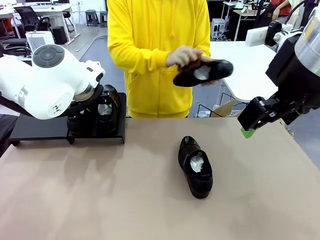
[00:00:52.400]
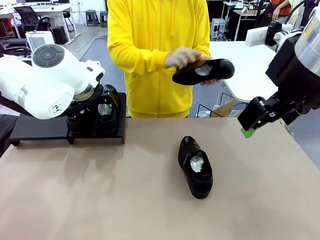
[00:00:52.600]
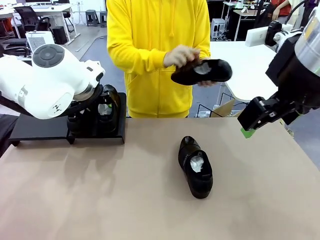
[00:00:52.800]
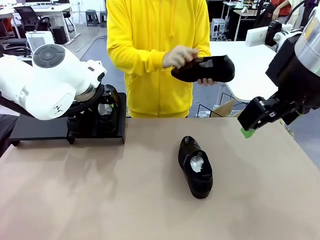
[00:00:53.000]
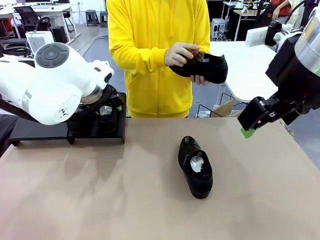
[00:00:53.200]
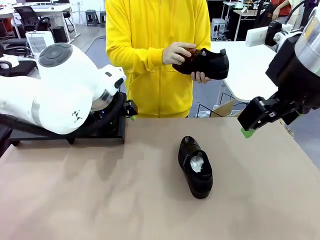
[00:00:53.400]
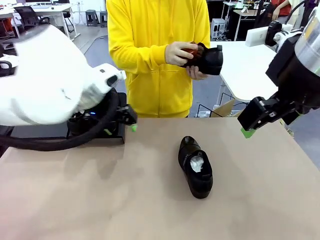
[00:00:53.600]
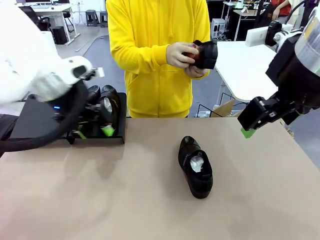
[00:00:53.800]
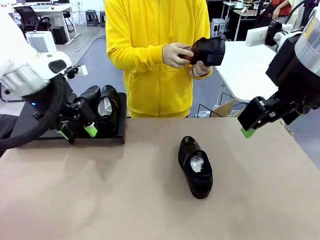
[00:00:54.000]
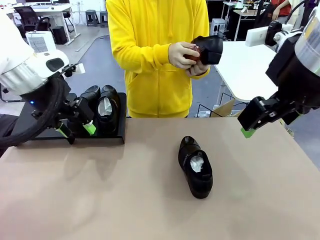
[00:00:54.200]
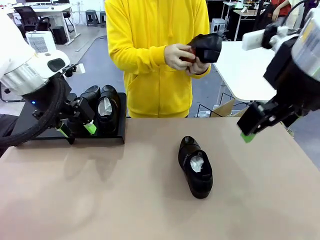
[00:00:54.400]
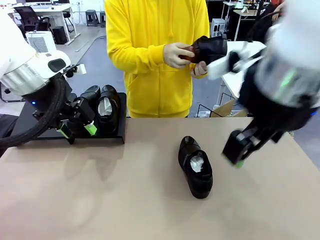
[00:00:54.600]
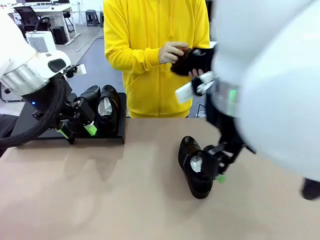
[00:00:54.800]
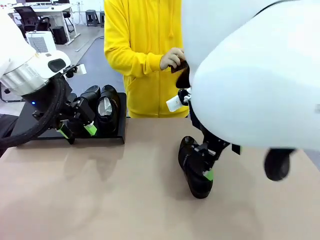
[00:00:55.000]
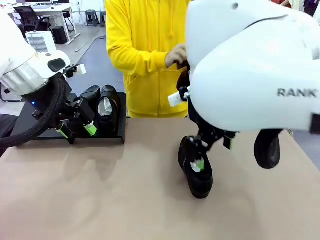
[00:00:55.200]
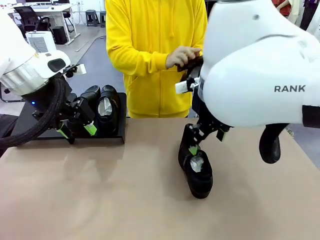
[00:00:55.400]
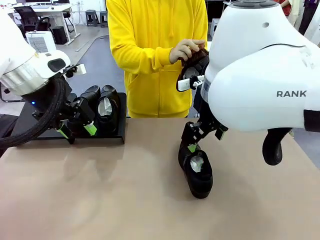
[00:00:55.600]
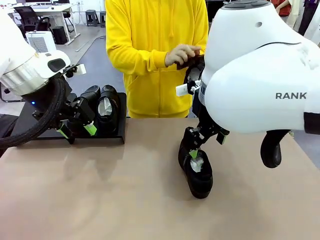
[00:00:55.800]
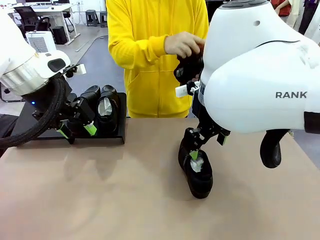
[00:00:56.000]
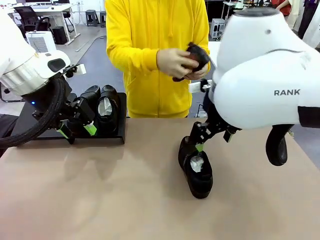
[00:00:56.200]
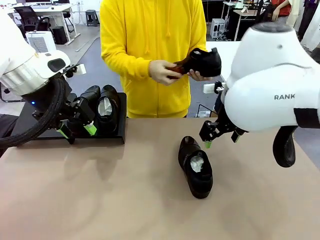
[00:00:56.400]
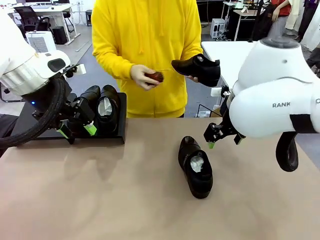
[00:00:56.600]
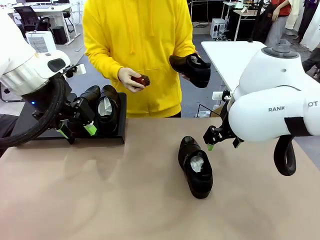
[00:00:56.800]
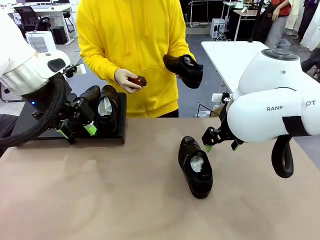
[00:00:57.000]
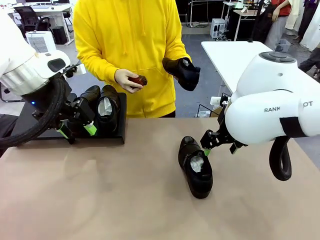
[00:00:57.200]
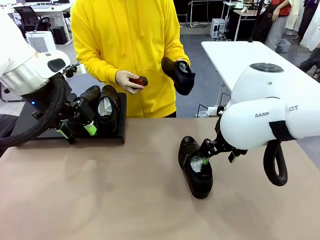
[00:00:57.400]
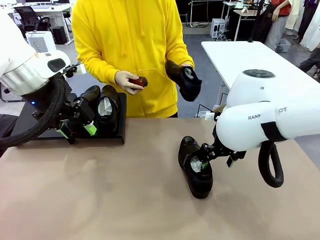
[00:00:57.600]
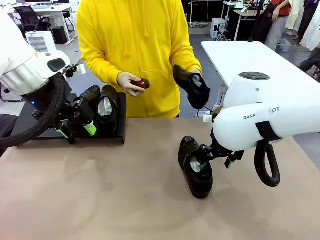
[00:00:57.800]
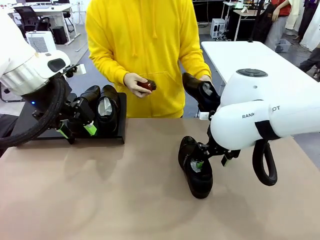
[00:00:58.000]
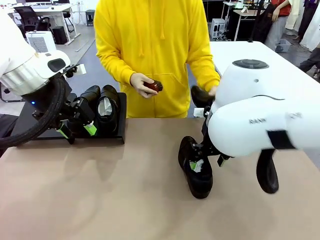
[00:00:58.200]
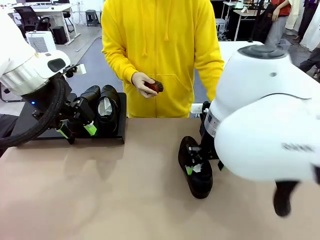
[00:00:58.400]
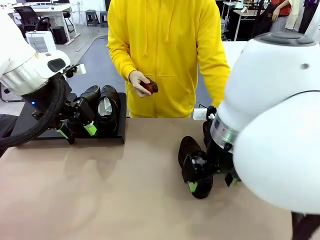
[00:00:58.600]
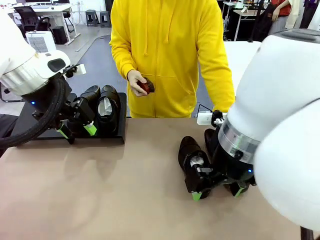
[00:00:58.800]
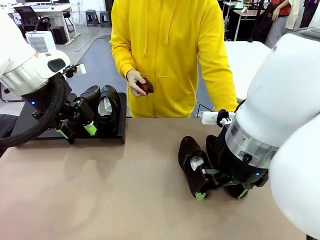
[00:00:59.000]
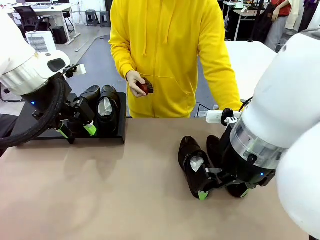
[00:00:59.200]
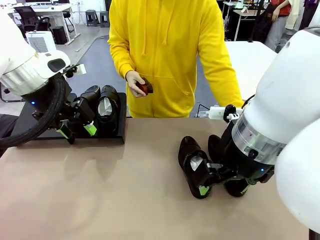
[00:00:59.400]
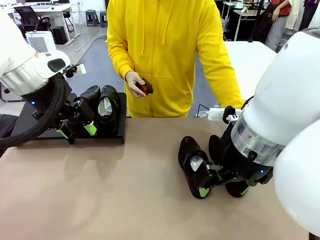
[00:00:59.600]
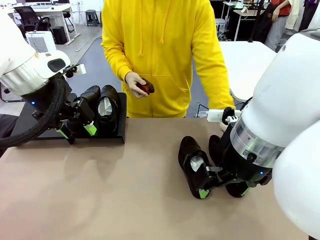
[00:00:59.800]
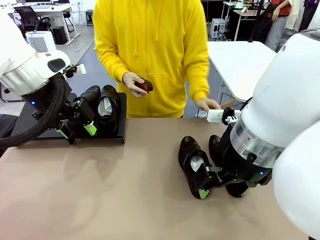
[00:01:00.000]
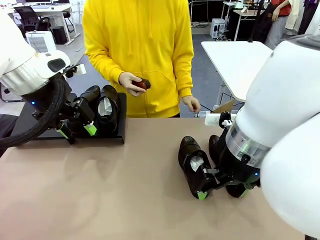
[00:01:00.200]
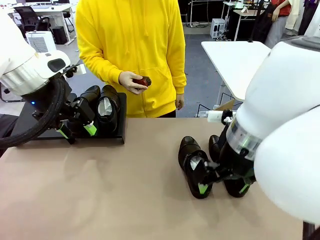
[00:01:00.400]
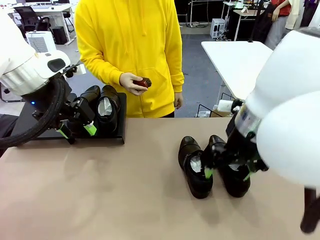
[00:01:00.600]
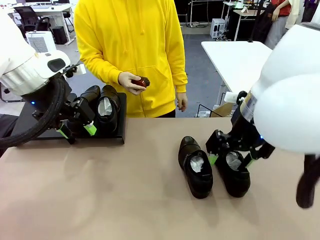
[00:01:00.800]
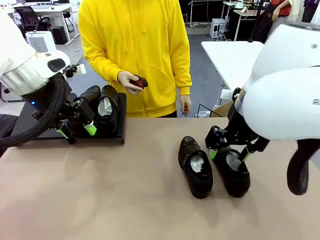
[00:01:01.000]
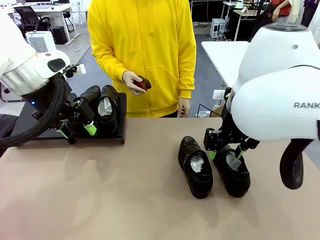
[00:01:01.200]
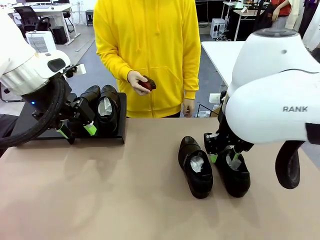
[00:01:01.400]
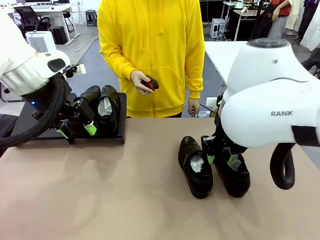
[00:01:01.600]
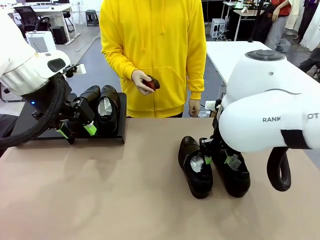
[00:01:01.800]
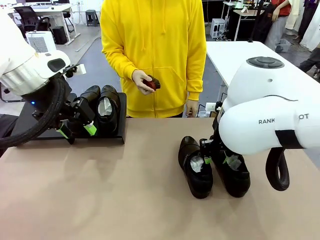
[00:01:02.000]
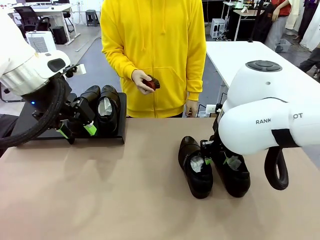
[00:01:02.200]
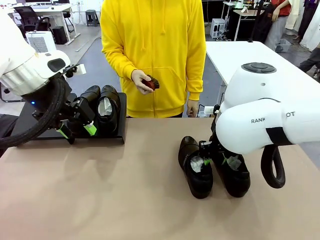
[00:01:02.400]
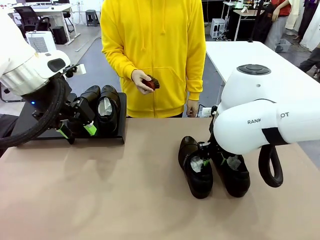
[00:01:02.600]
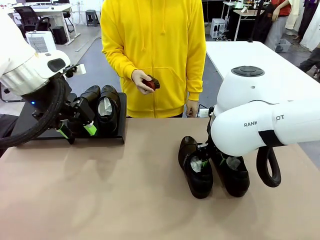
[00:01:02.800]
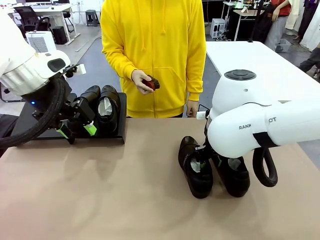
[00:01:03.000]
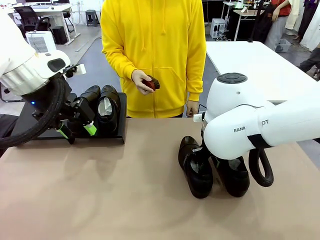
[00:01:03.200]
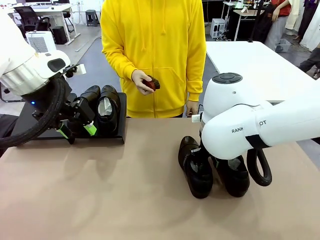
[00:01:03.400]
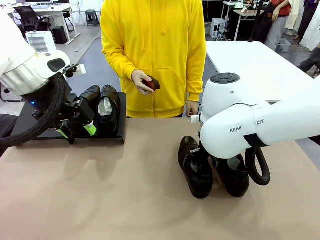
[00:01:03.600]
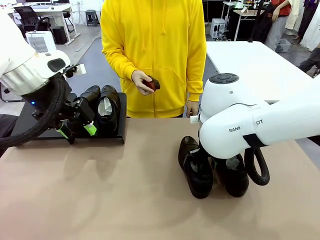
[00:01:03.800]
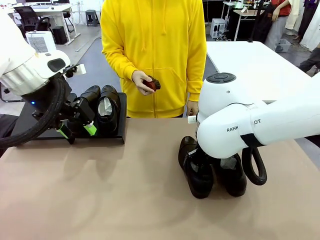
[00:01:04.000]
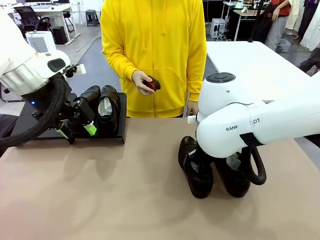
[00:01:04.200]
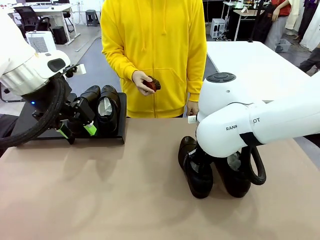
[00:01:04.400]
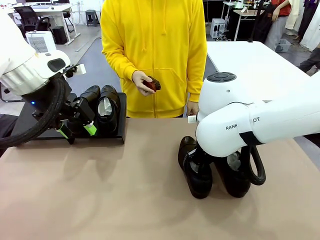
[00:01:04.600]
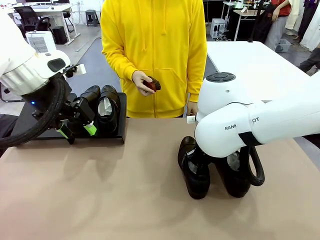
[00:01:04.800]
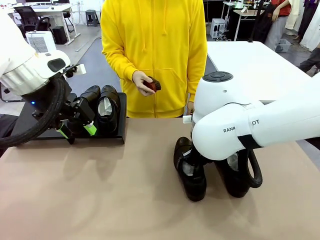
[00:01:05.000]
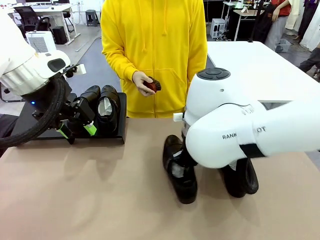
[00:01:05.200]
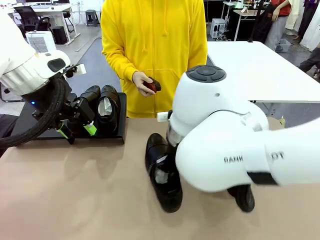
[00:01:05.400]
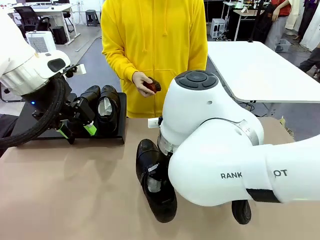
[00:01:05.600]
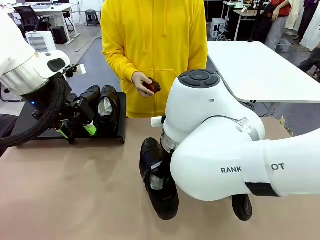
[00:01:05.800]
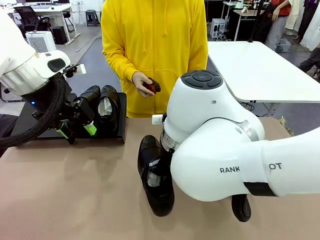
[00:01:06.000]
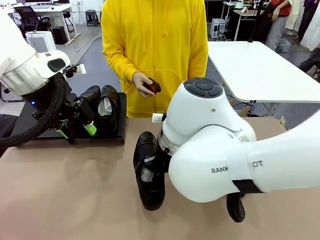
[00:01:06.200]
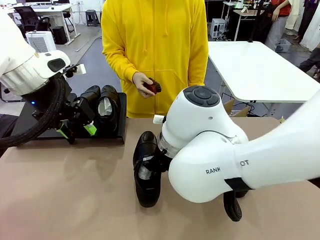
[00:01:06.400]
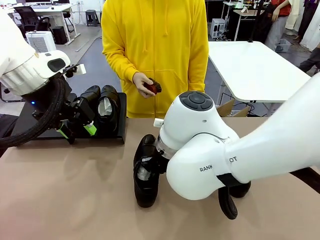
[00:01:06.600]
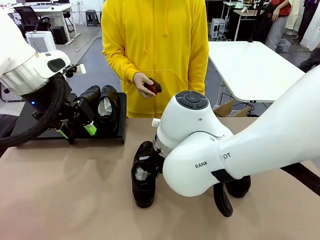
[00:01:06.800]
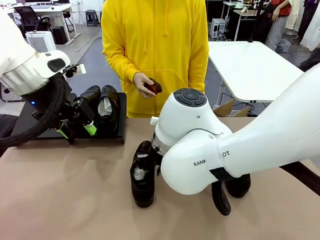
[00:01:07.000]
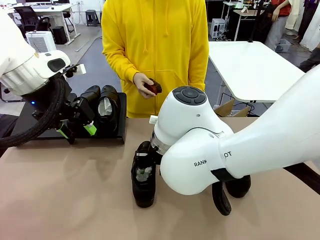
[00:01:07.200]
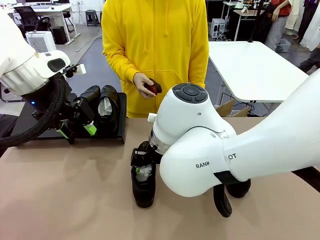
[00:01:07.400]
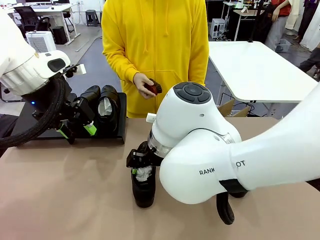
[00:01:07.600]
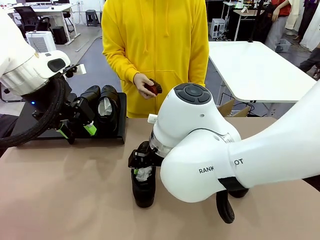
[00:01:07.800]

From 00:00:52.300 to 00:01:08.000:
Task: Organize the shoes by placing them on the stand.
Robot: Pick up one Shoe and place it in the middle of the table.
